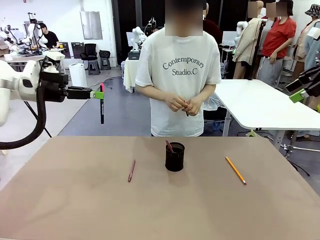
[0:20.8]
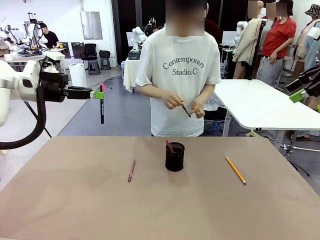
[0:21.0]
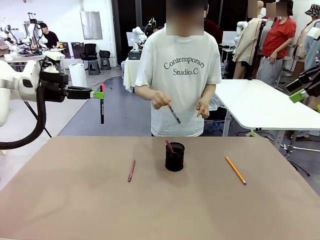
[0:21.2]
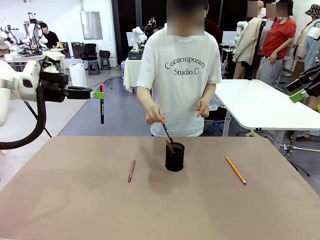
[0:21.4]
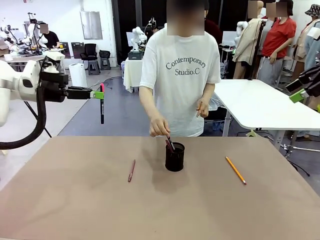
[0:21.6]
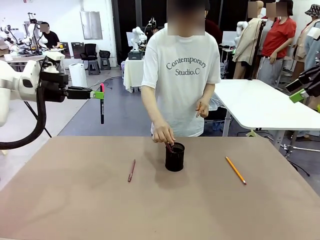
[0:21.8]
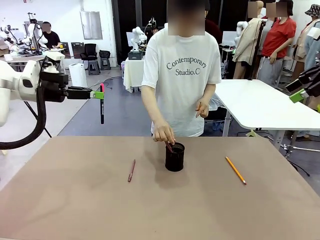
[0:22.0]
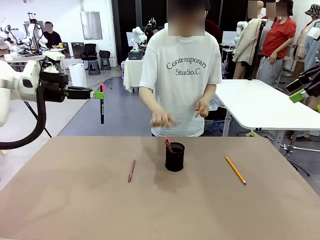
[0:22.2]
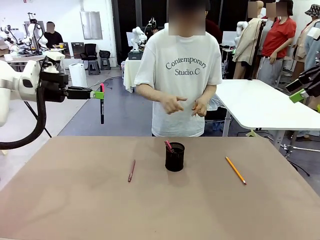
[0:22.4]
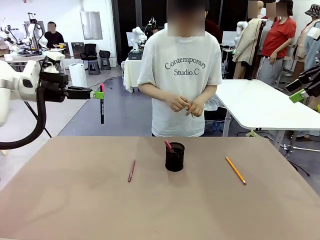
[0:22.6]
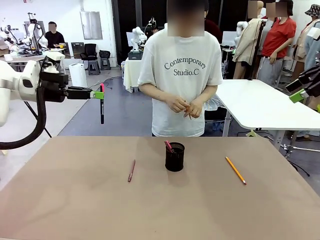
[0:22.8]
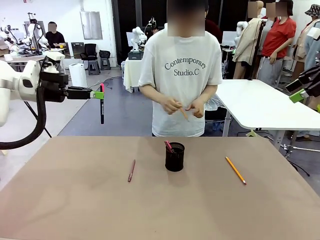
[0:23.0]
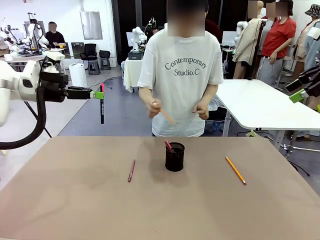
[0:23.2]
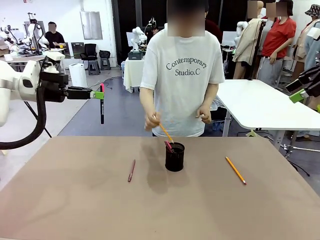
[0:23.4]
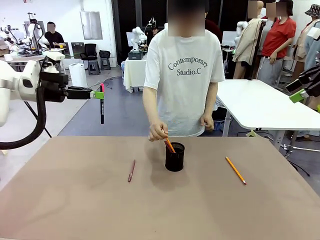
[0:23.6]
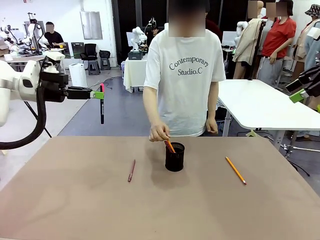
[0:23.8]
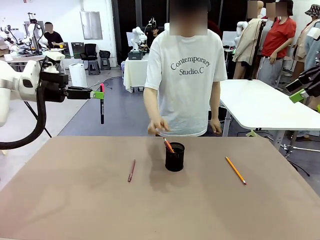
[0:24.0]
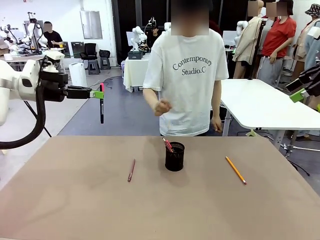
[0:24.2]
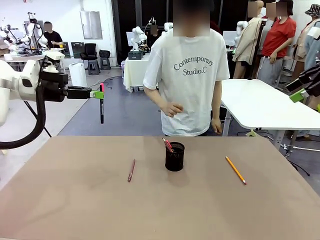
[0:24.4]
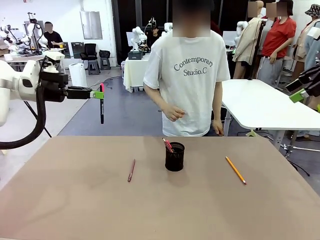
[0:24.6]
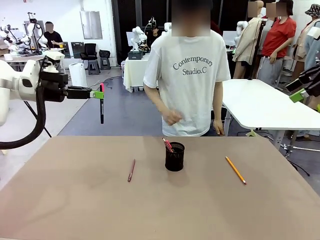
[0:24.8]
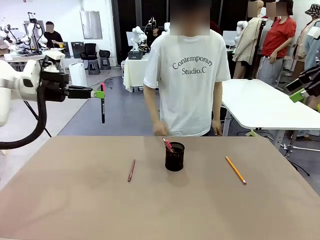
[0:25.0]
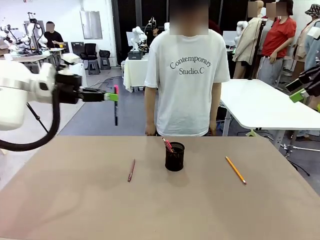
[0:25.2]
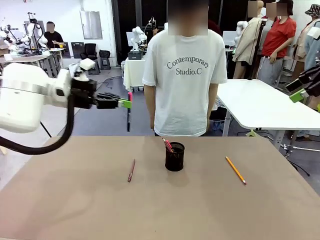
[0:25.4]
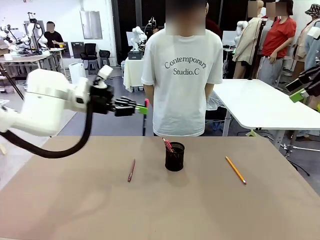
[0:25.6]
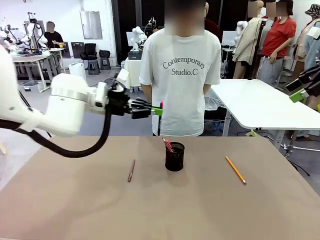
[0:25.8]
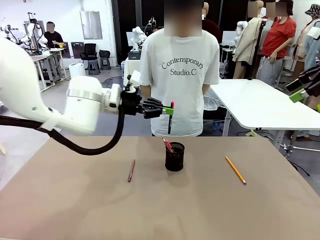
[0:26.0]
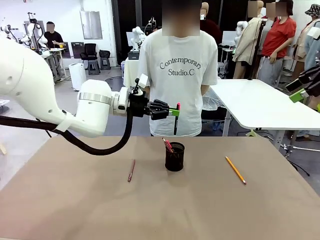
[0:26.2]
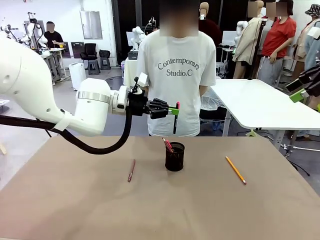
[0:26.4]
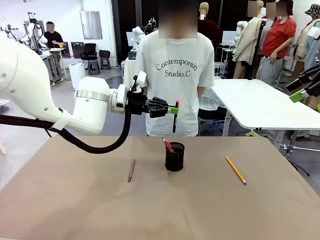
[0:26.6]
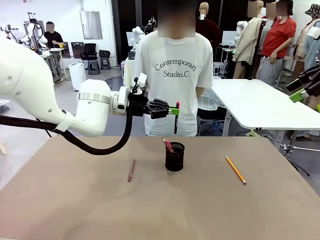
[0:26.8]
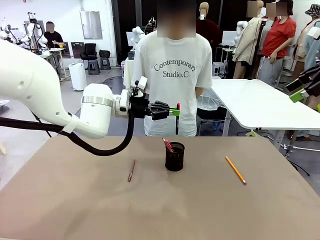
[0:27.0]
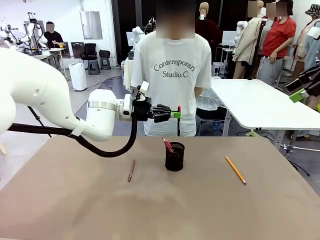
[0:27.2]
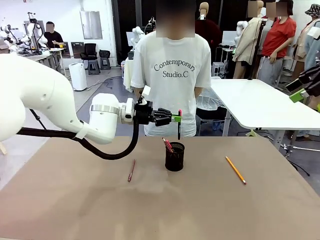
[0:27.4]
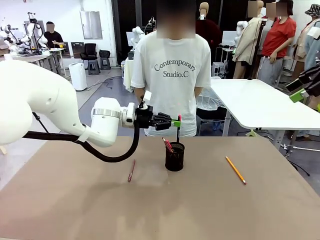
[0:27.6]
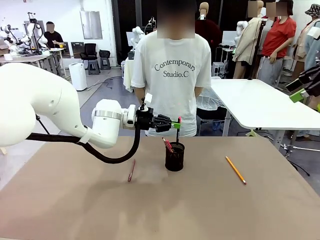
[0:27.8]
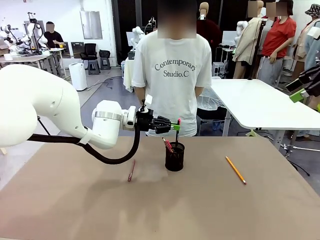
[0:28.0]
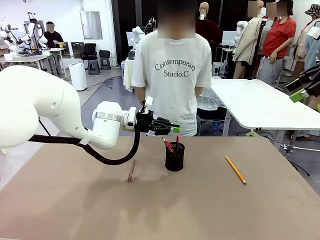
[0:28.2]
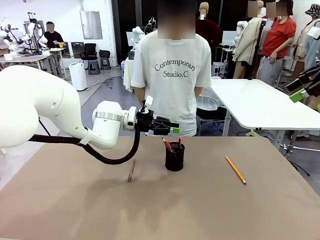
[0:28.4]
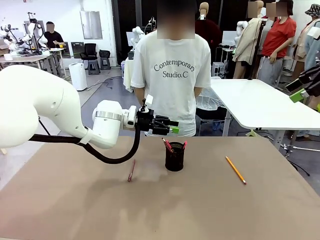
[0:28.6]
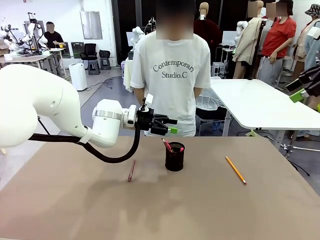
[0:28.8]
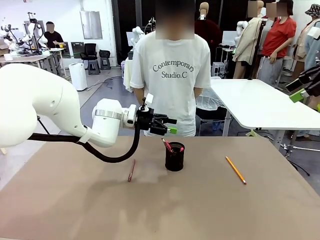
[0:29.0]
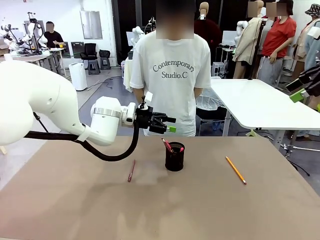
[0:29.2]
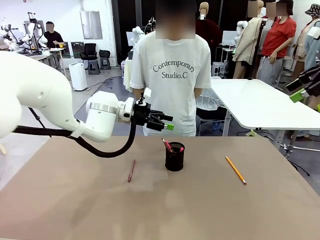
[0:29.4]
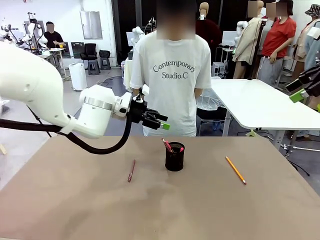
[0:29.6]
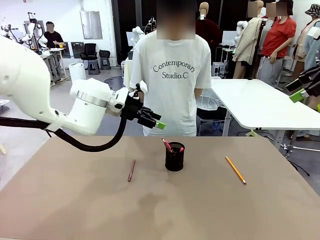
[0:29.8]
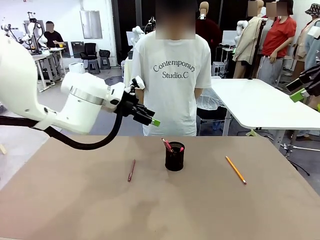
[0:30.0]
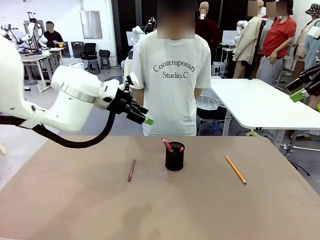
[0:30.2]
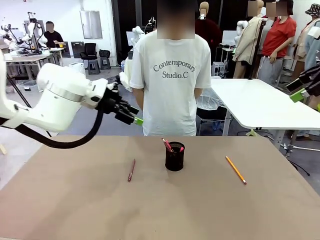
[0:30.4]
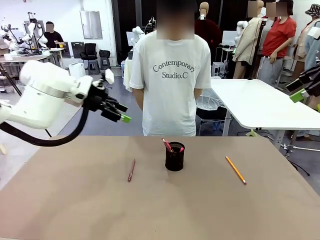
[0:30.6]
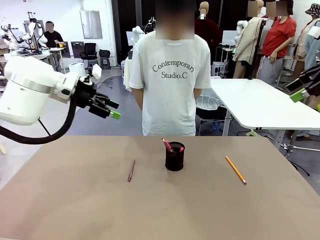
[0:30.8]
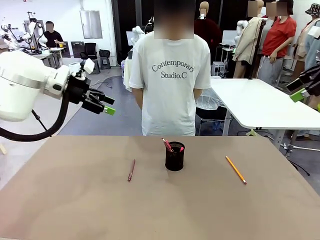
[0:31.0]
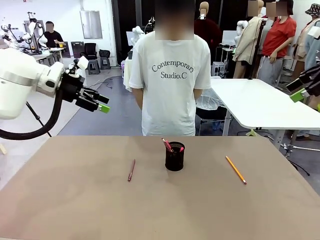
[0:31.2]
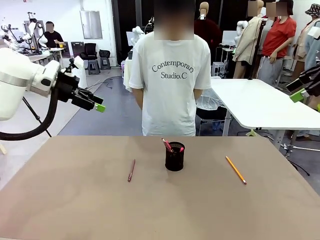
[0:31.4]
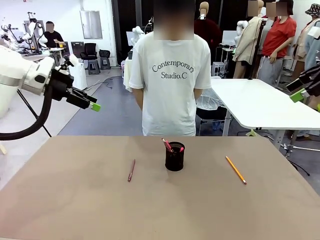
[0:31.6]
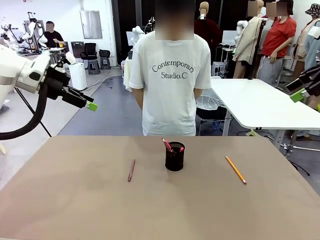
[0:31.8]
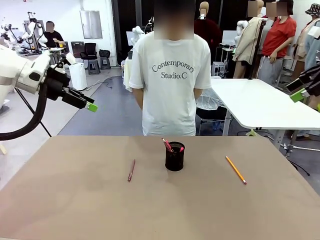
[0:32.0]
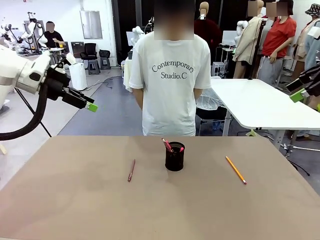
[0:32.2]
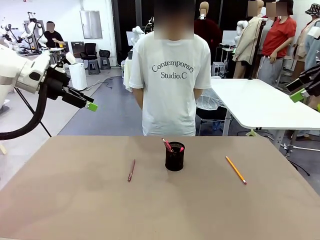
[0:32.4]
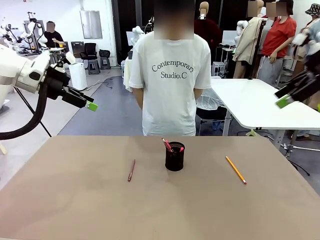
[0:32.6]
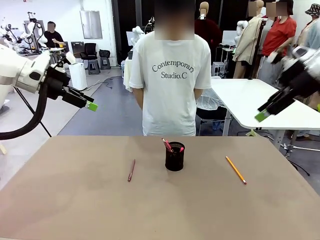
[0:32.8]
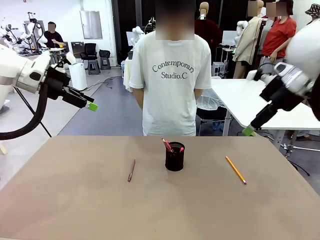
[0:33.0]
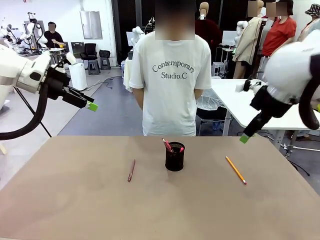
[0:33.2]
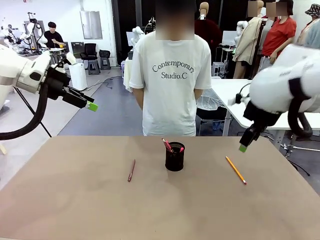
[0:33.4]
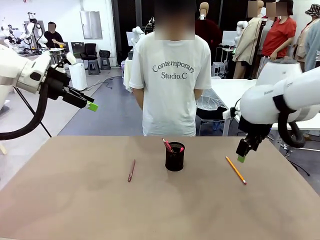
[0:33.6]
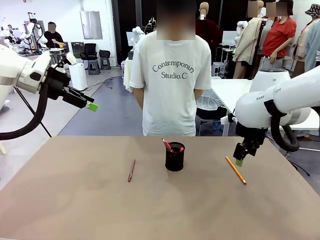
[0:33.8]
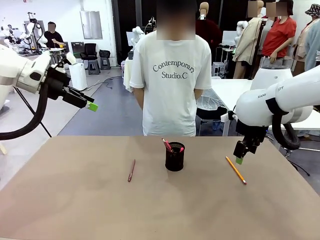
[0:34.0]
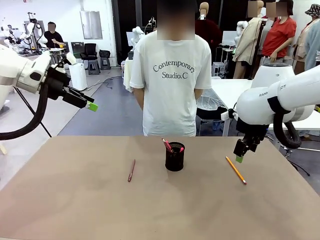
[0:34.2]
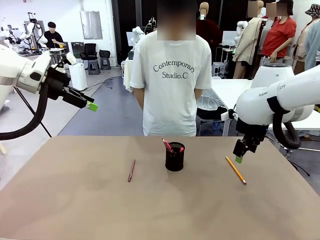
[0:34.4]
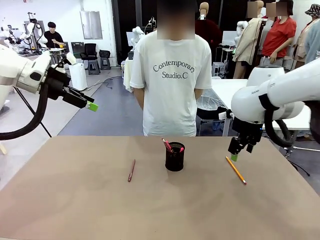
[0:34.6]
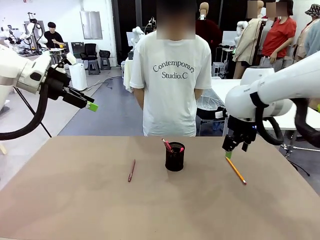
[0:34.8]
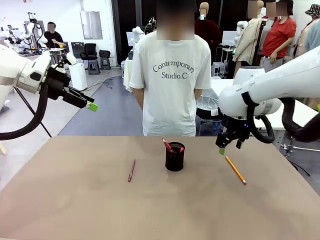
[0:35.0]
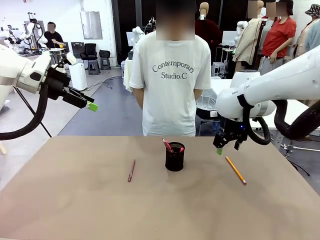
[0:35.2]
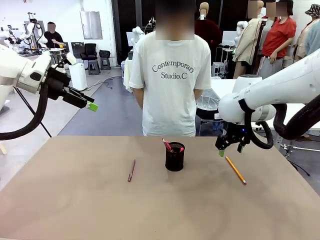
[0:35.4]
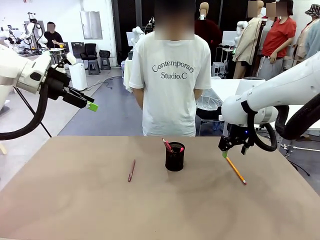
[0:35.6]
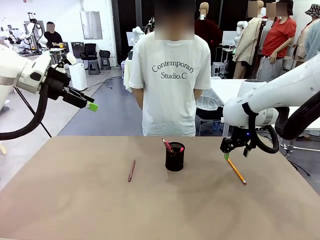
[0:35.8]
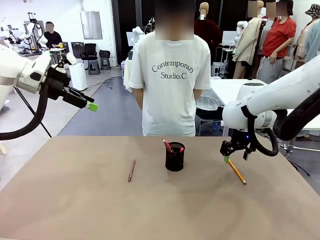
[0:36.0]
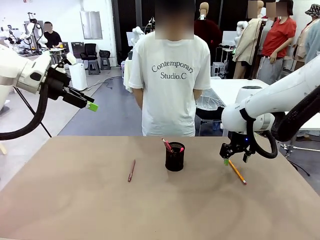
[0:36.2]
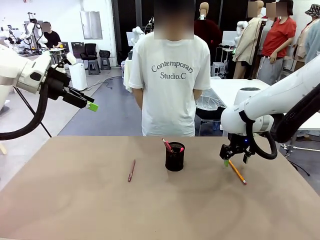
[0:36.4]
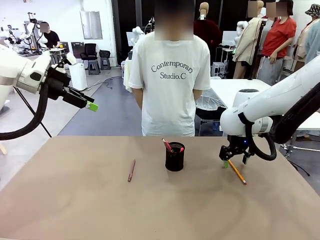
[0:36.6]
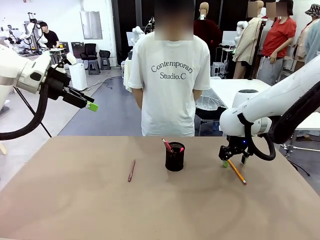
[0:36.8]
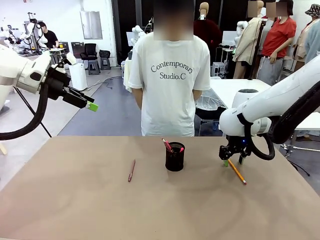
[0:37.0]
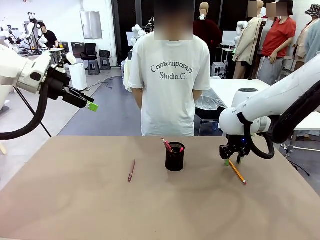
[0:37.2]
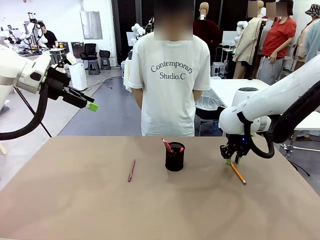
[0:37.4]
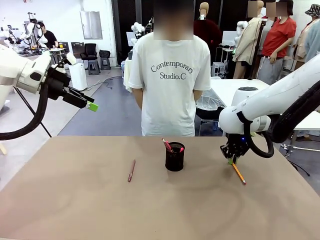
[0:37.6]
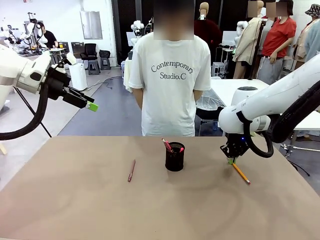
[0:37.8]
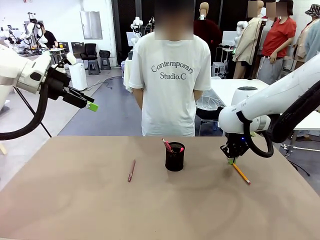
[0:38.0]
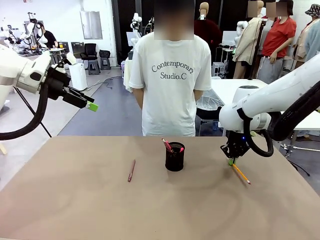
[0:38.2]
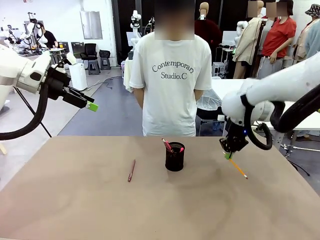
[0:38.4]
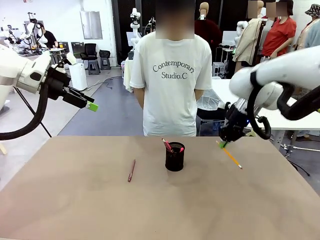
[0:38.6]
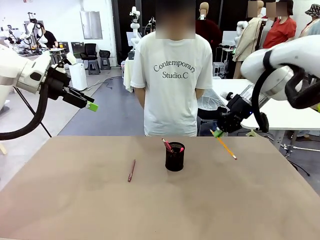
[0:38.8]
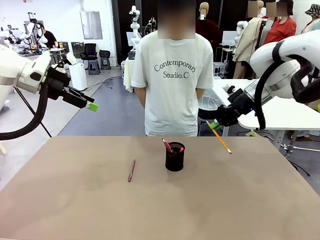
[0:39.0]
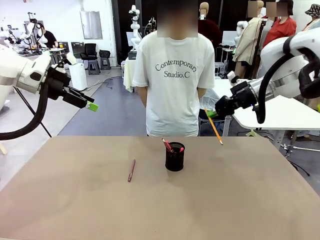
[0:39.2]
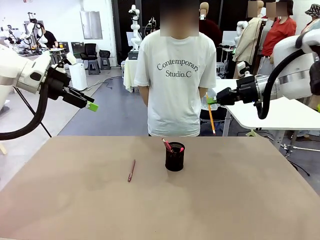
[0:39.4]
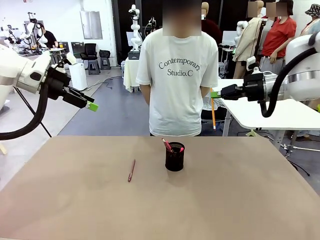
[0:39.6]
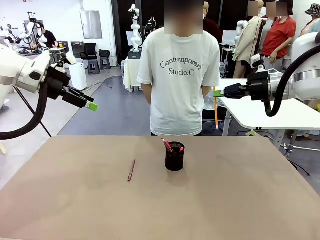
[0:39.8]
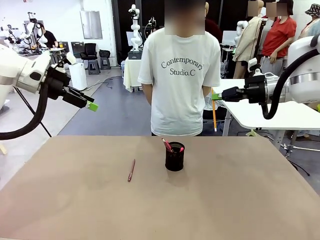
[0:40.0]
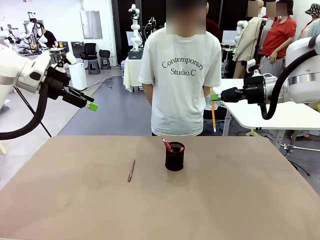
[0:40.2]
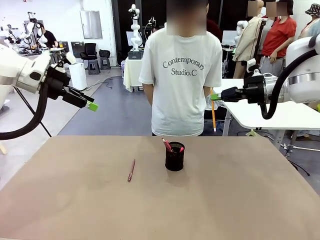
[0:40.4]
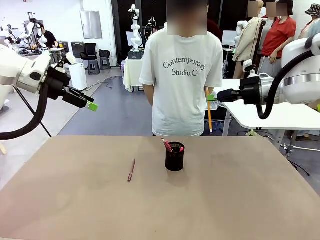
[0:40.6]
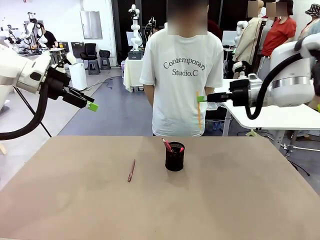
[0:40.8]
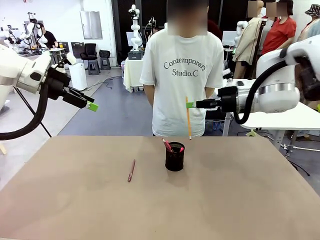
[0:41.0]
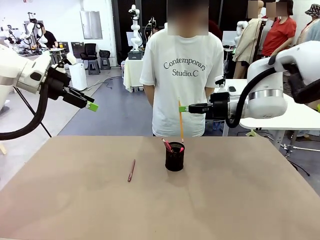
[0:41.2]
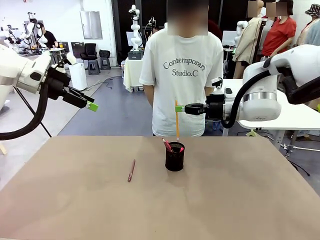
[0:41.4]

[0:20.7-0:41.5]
Task: Place the pens into the pen holder.
Robot: Pick up a writing instrument from the table and place it into the Pen holder.
